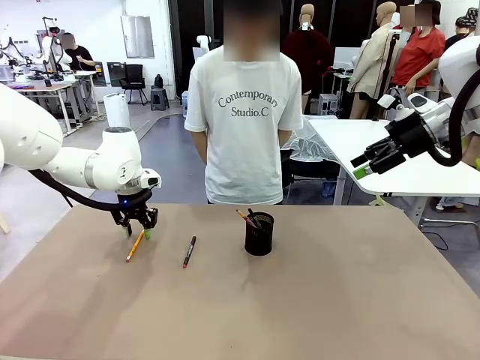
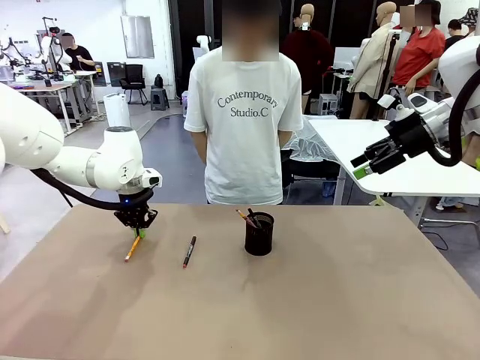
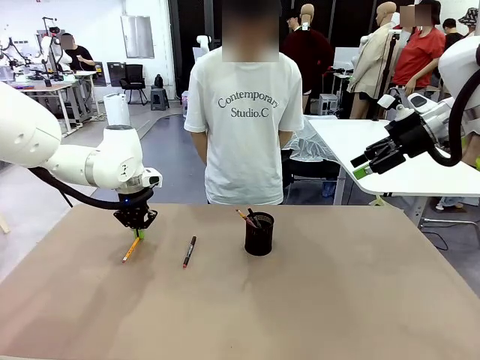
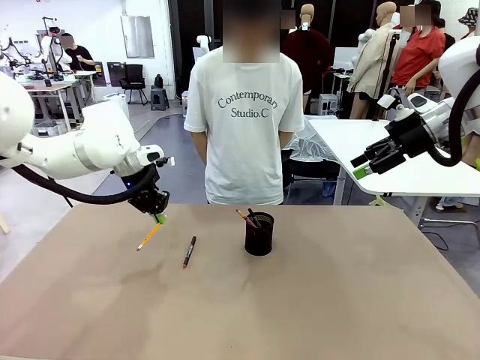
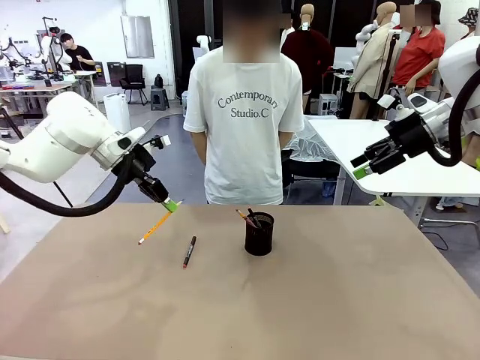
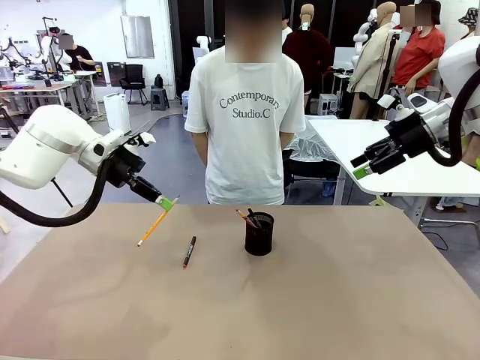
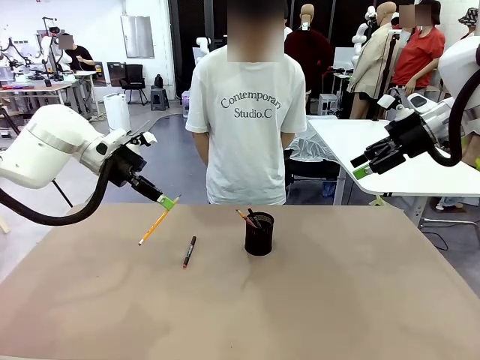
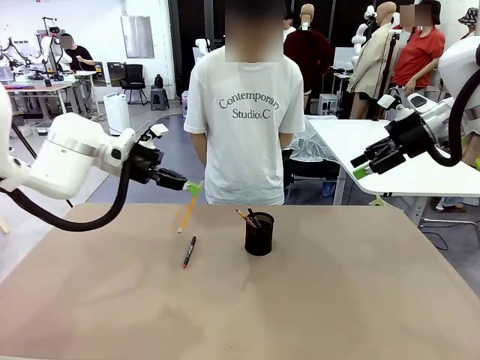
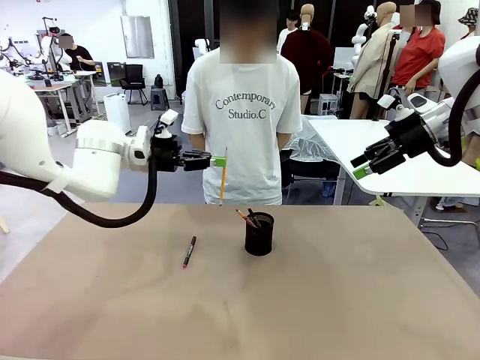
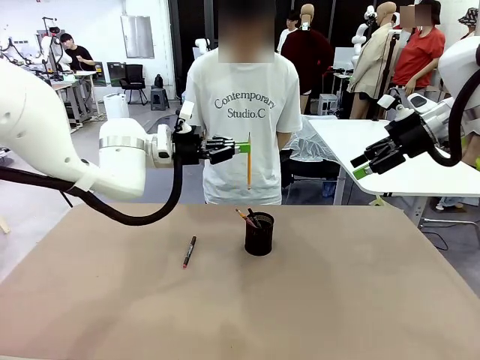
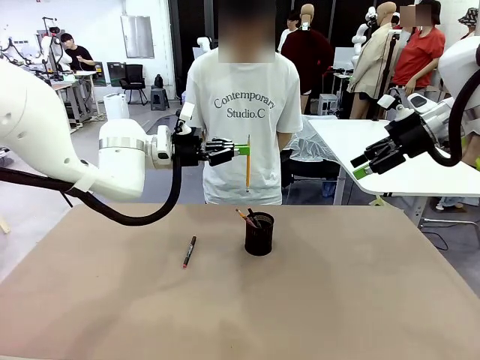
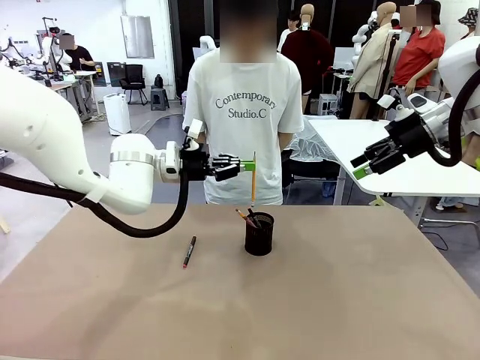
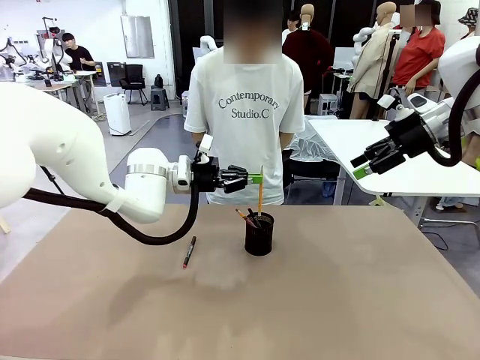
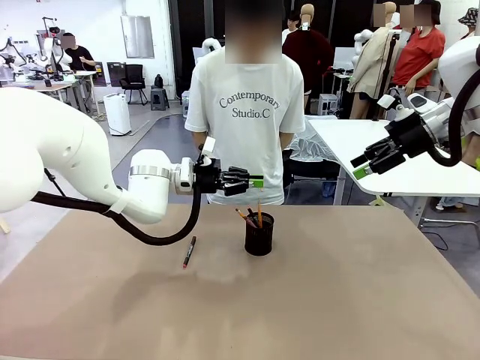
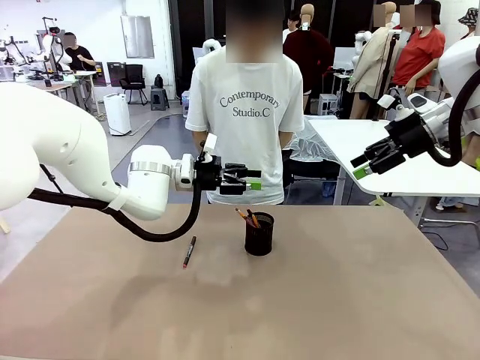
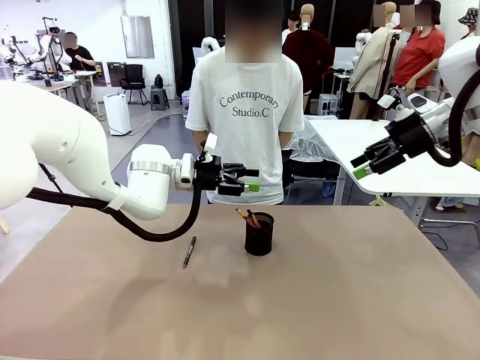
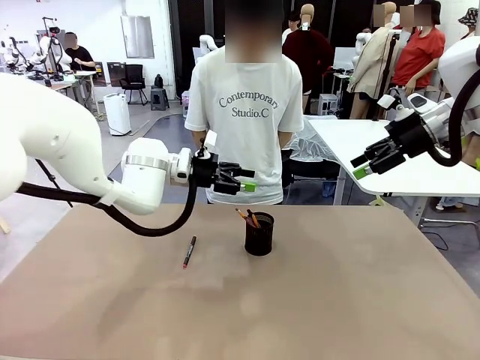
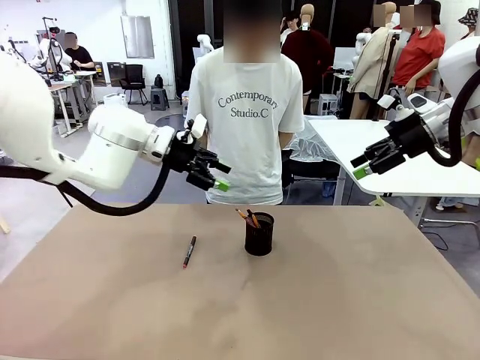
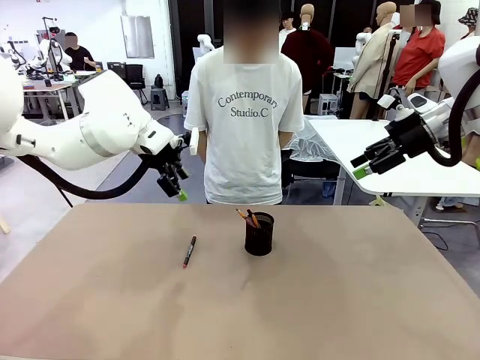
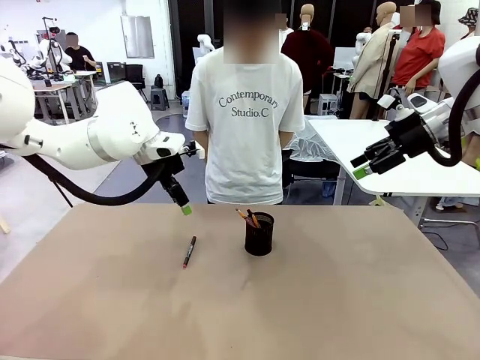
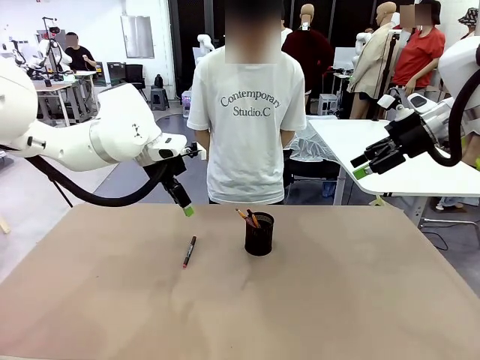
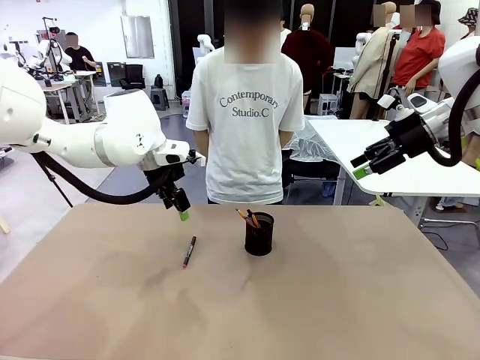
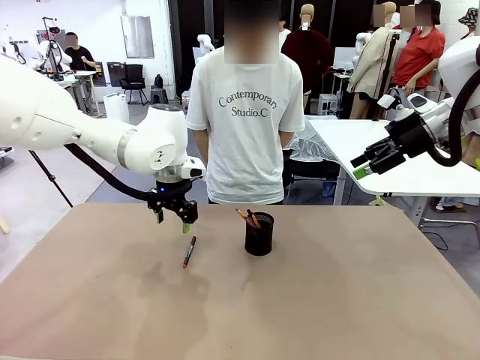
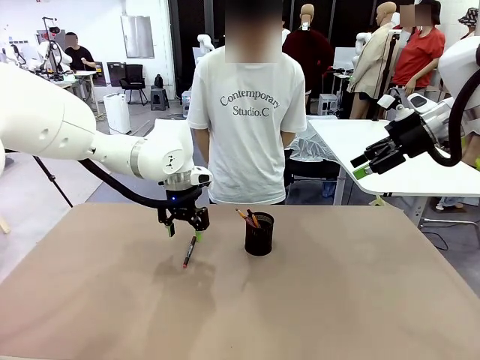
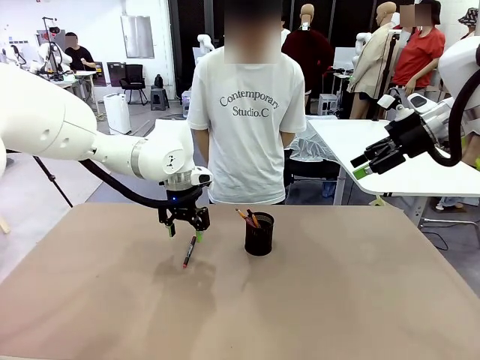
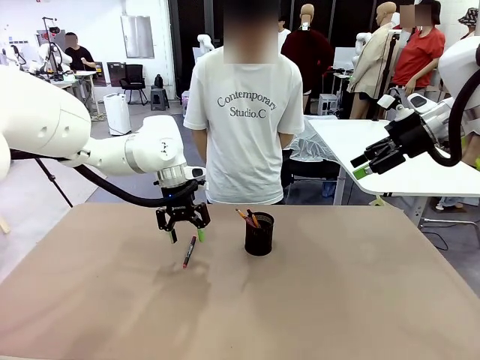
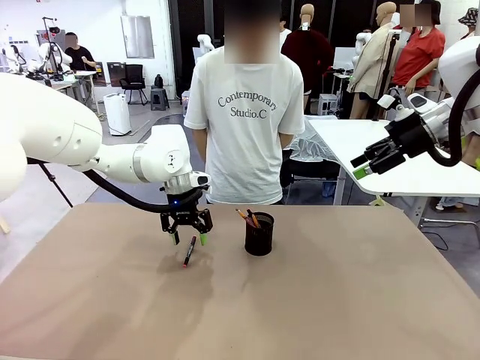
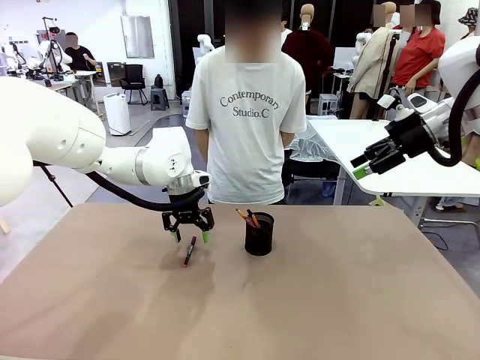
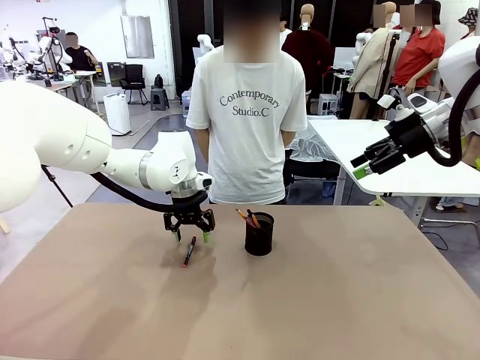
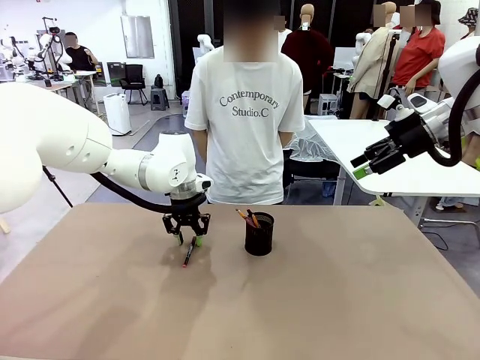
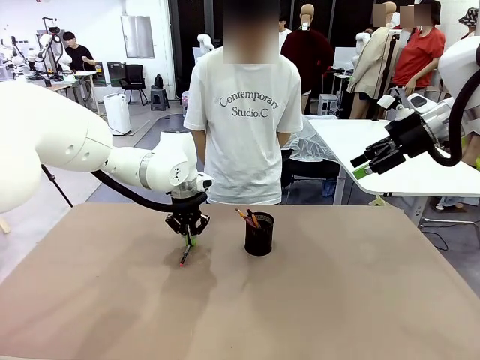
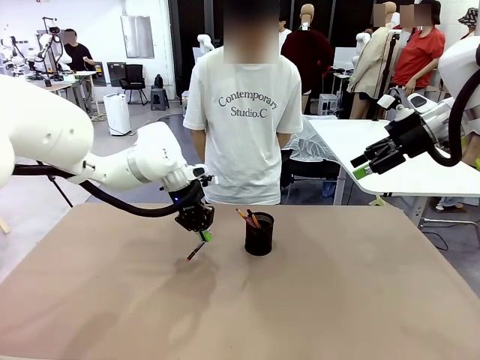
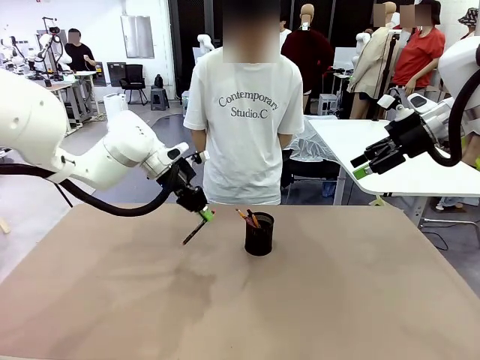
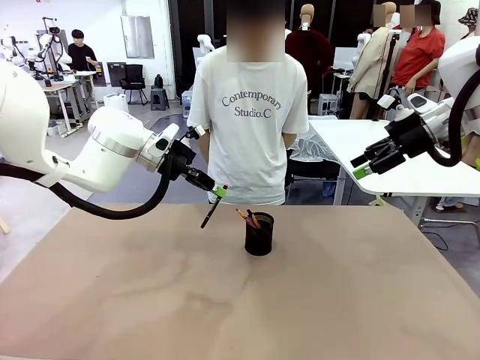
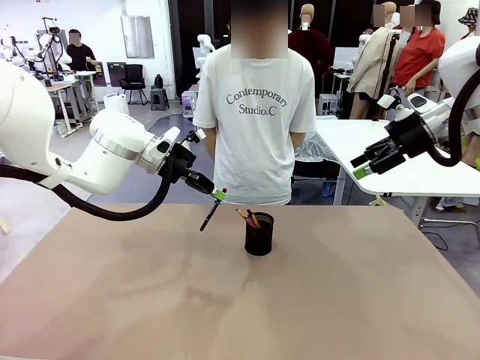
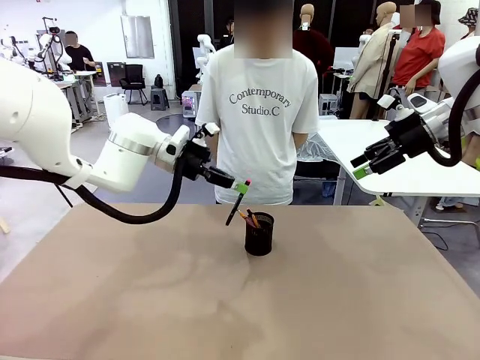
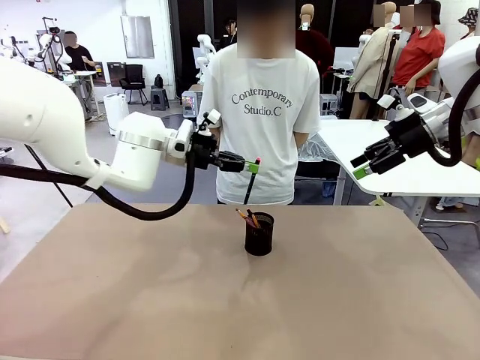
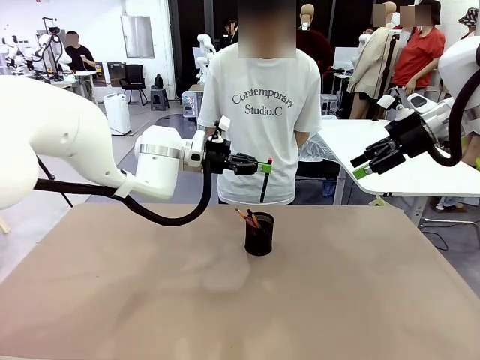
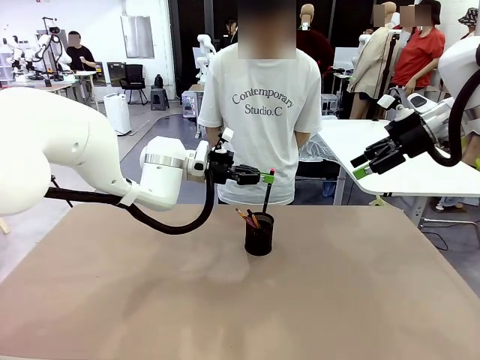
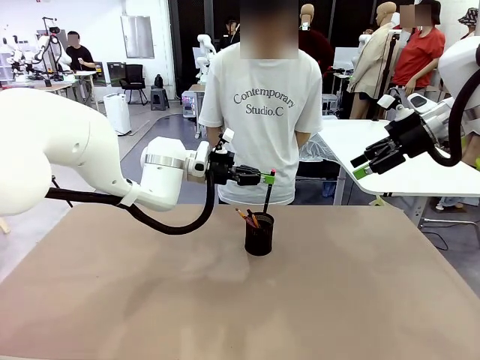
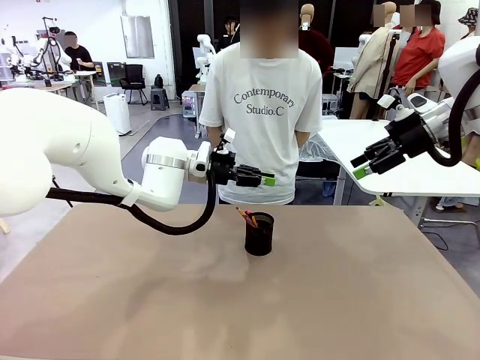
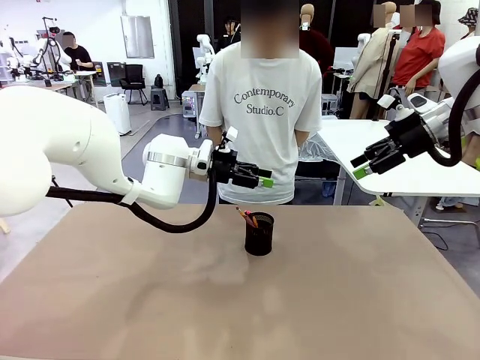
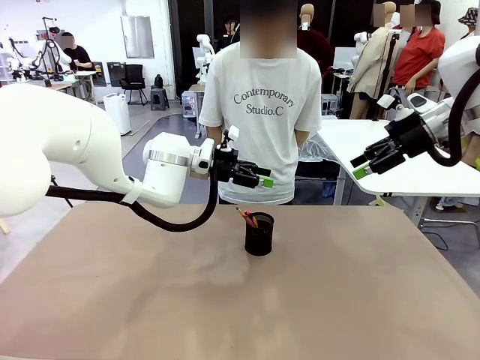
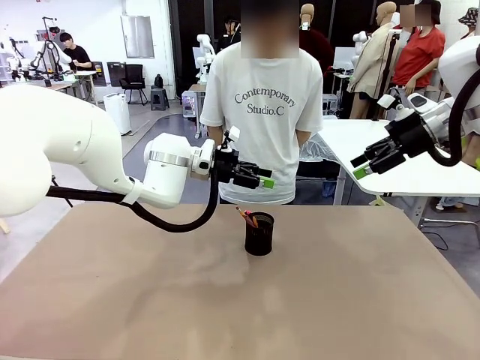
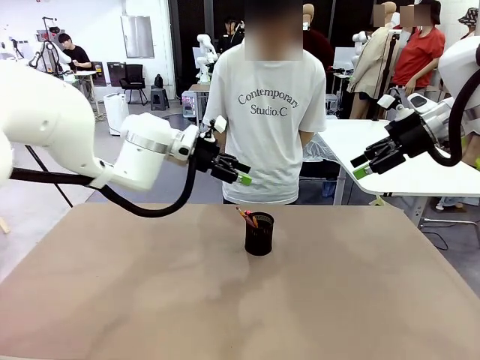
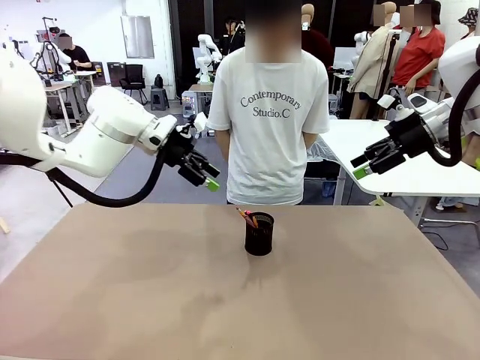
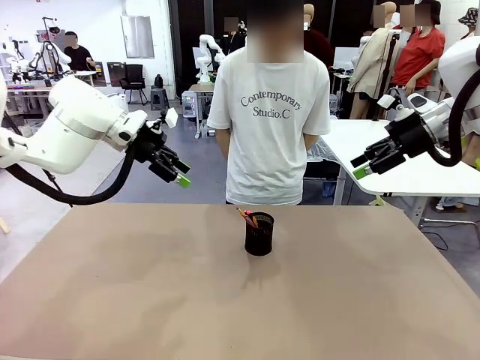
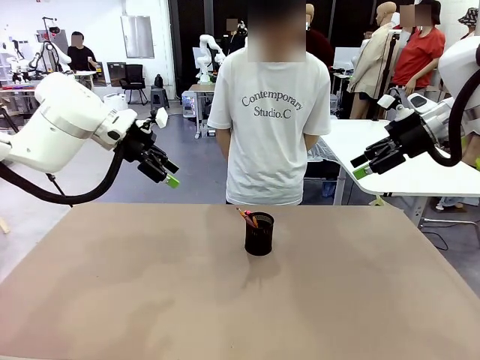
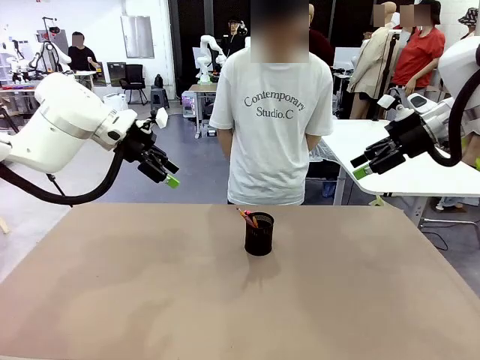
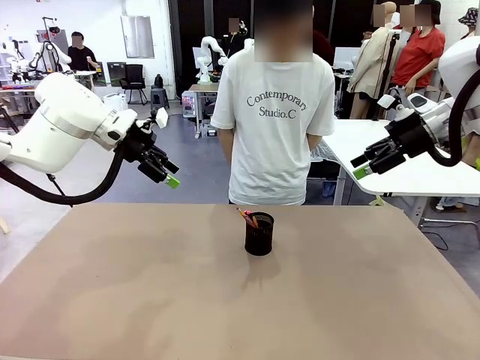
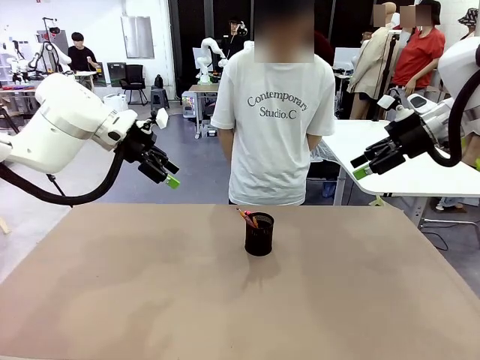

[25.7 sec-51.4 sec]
Task: Place the pens into the pen holder.
Robot: Pick up a writing instrument from the table and place it into the Pen holder.
Person: Place all writing instrument into the Pen holder.
